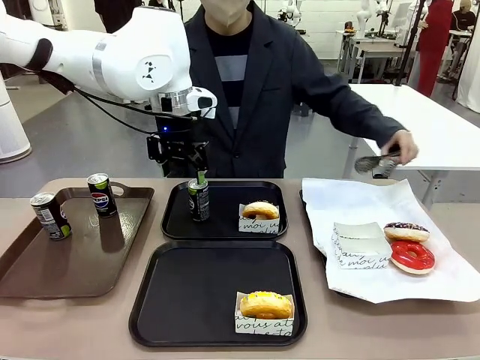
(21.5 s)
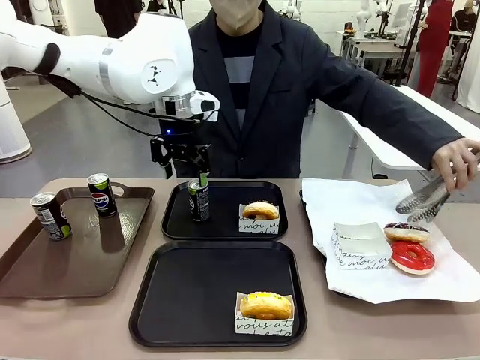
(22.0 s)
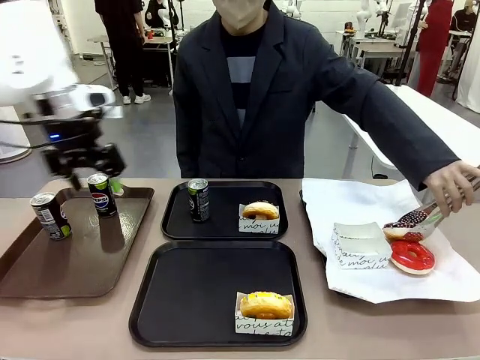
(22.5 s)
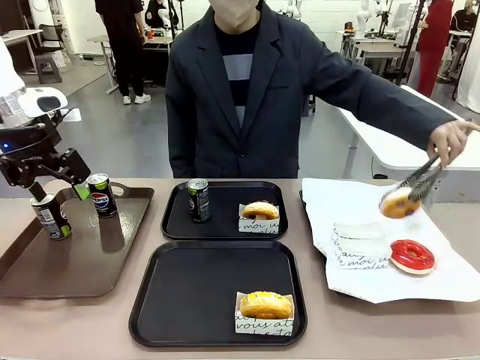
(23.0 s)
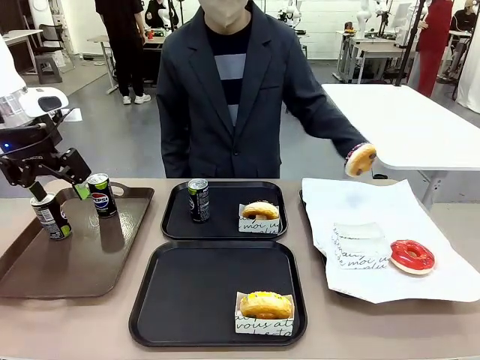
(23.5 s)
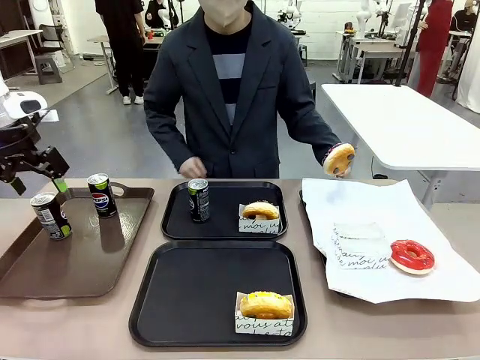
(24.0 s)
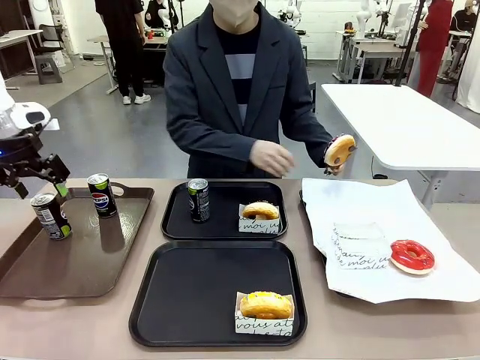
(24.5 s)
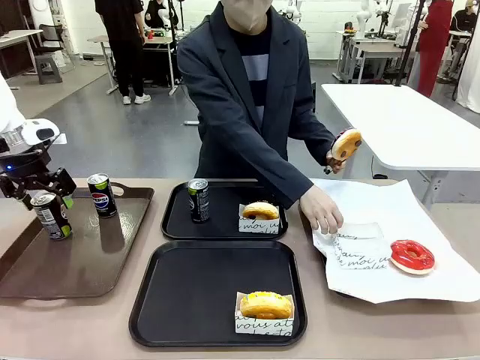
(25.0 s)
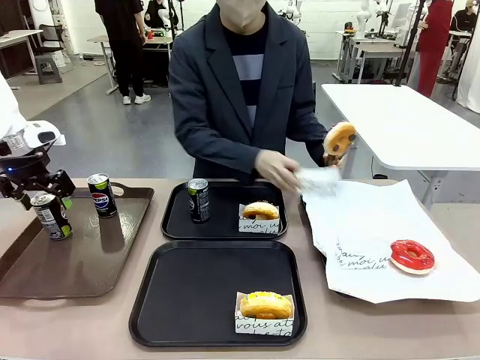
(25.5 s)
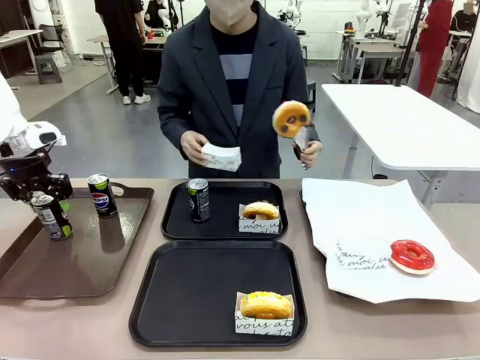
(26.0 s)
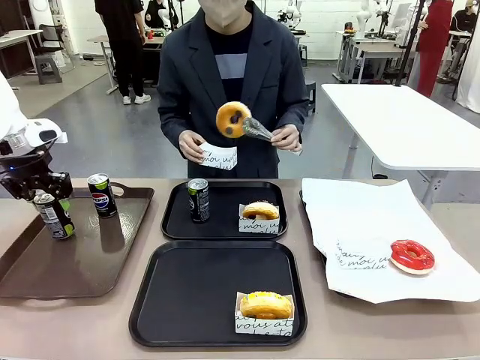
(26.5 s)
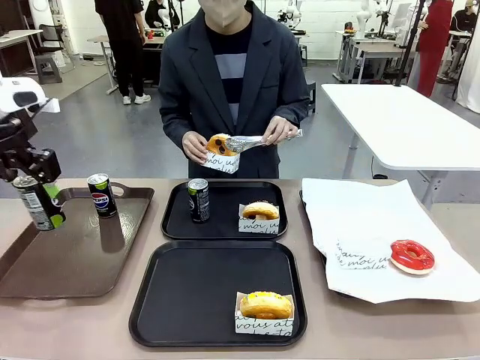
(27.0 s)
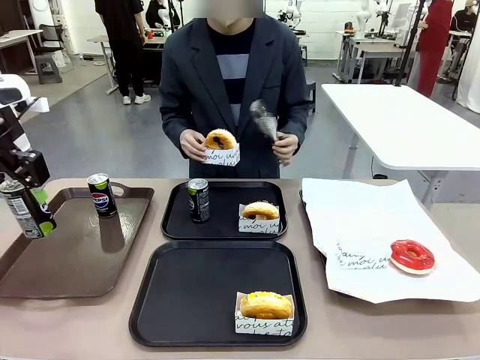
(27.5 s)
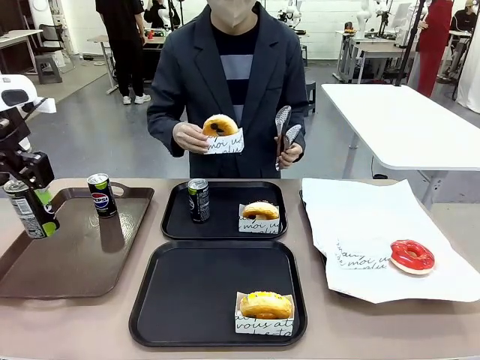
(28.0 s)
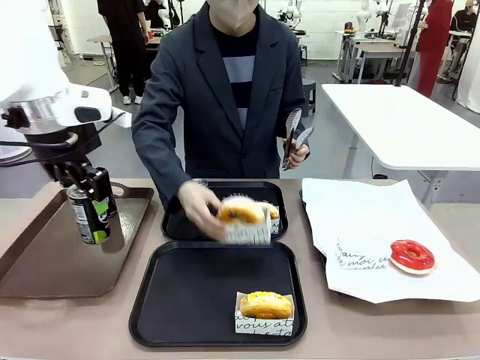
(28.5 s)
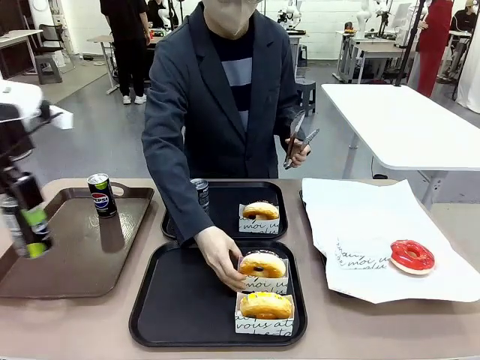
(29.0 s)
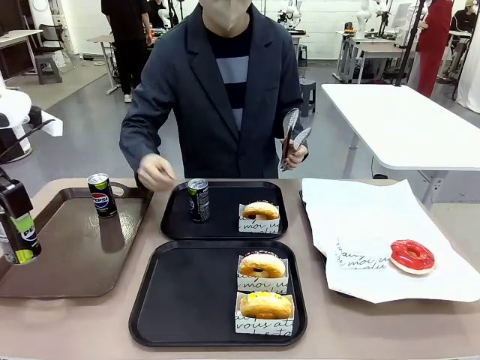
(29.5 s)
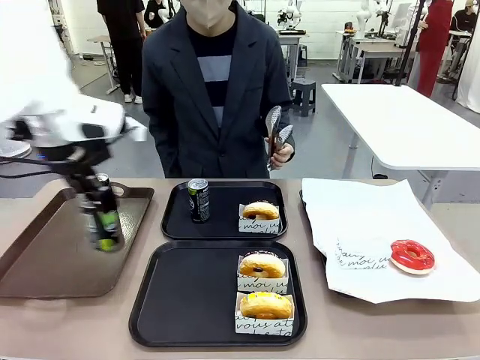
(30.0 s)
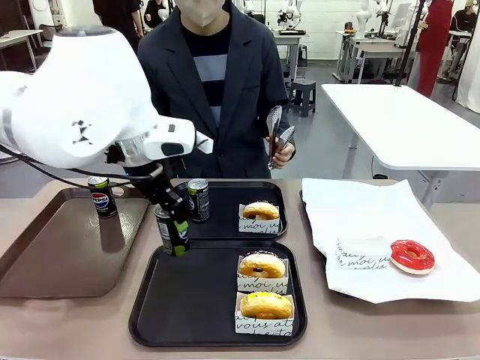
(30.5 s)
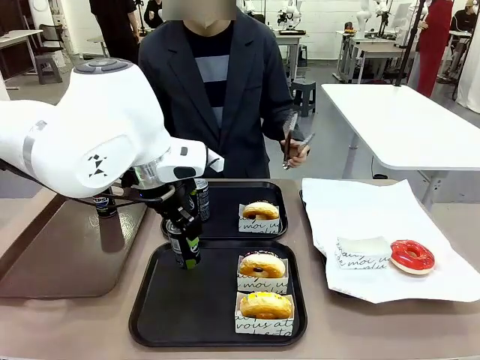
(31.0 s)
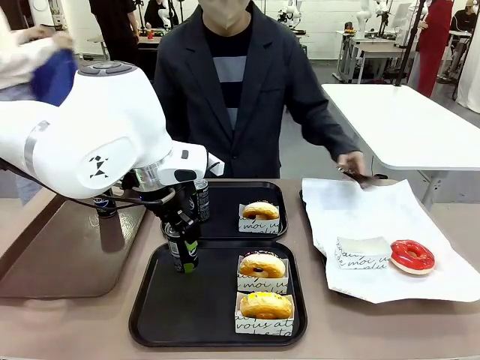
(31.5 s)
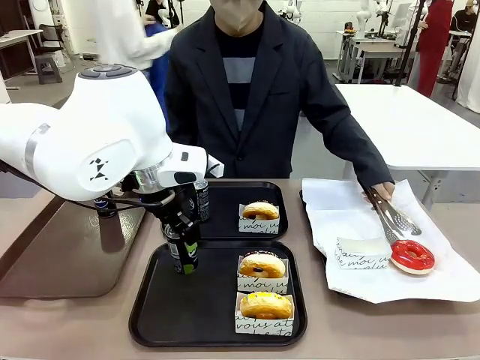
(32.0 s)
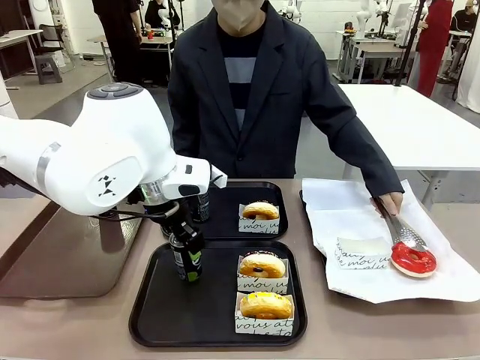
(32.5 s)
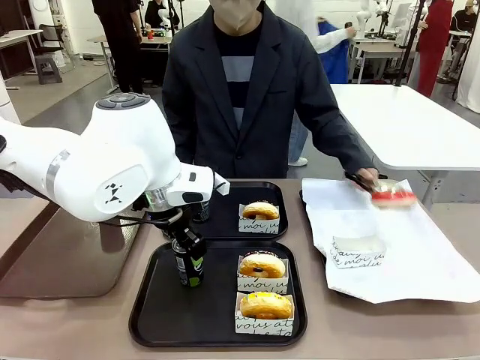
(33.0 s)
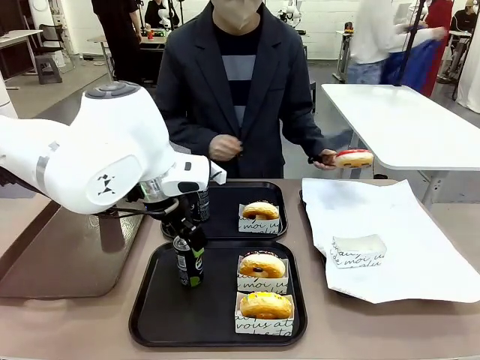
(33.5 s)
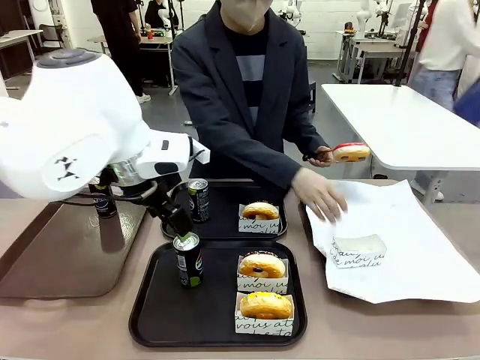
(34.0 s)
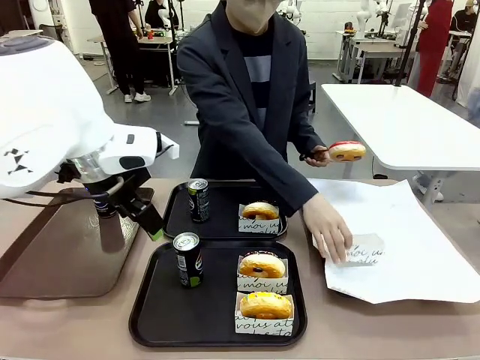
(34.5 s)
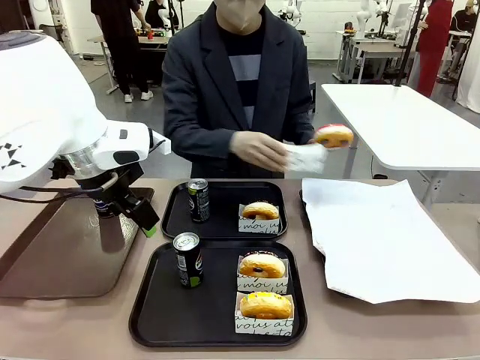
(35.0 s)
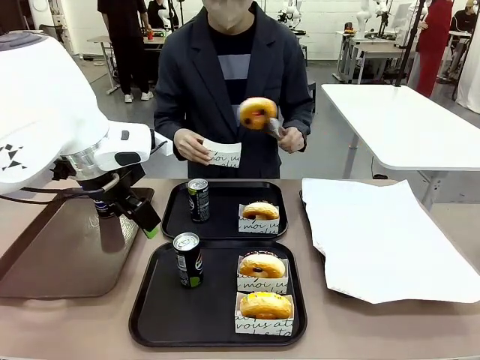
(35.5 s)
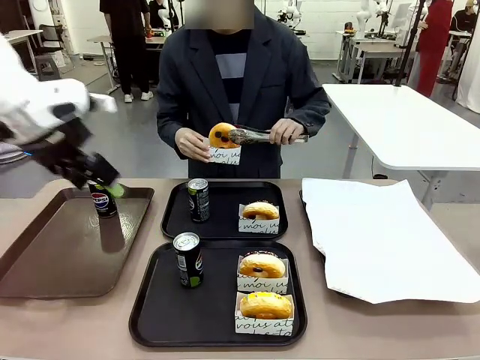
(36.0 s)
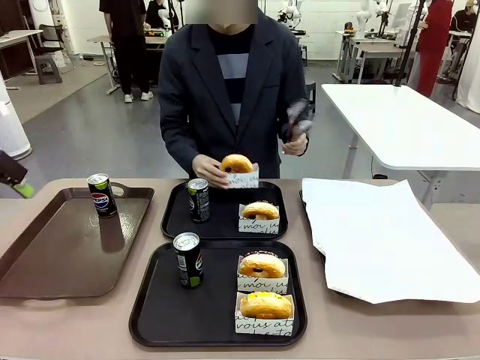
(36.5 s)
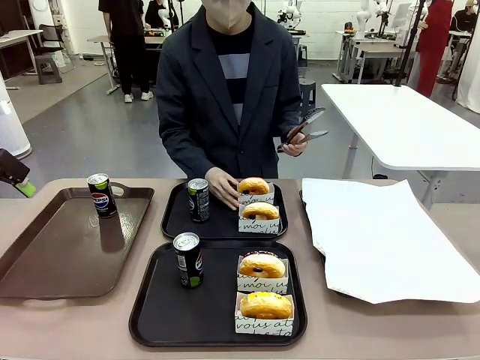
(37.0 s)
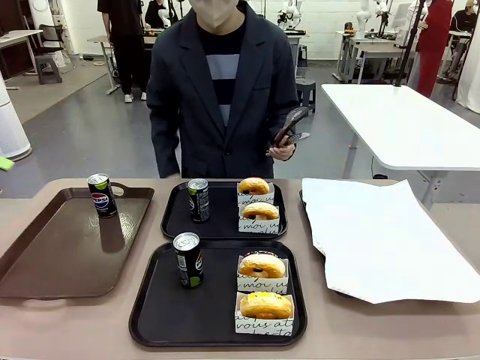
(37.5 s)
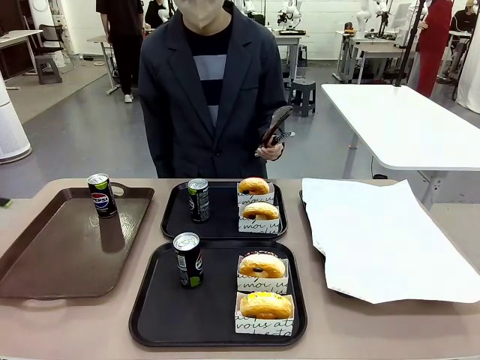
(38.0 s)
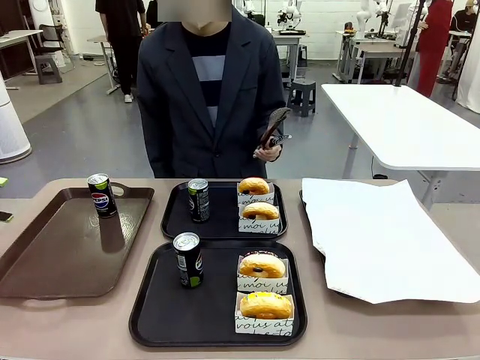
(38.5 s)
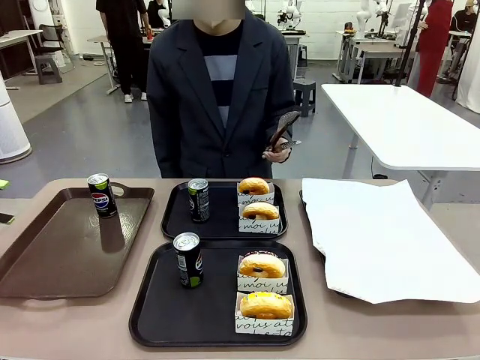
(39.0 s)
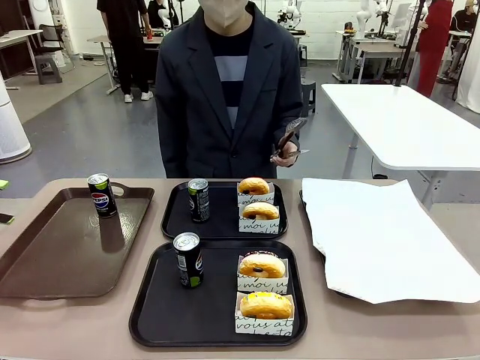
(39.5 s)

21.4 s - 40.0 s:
Task: Set up donuts and drinks on trays.
Robot: Pick up one Pepsi coke from the Handle tray and place it on the Flat Tray without a Pepsi coke.

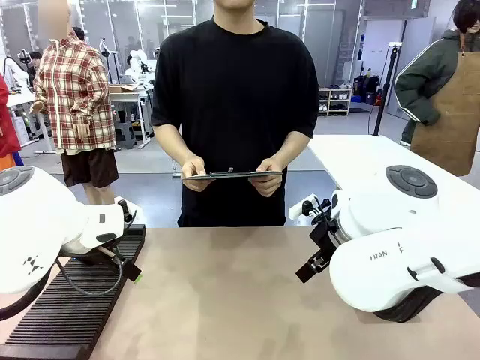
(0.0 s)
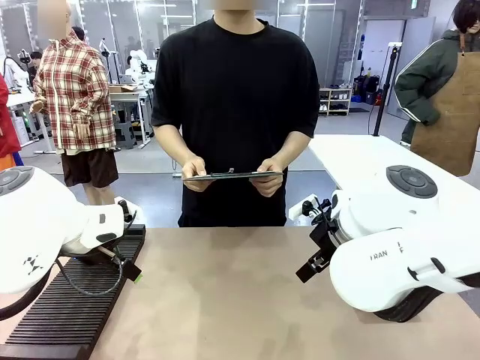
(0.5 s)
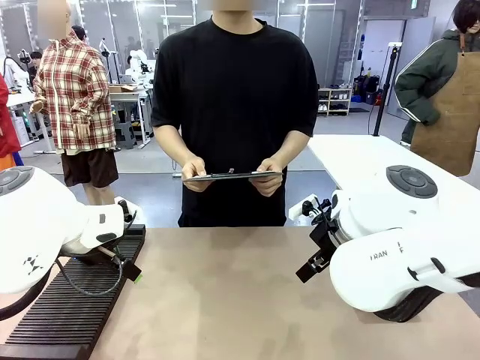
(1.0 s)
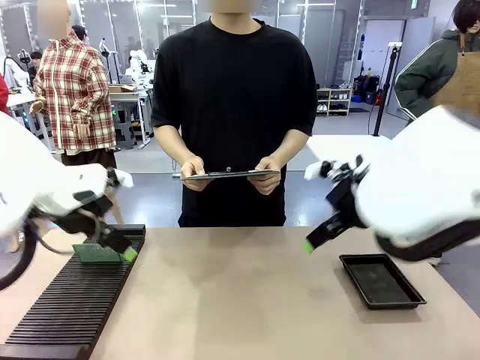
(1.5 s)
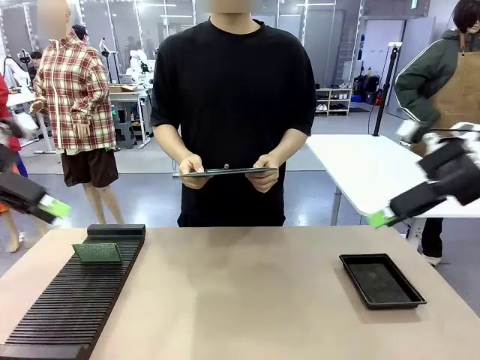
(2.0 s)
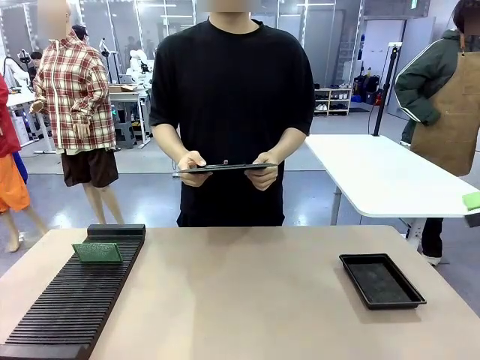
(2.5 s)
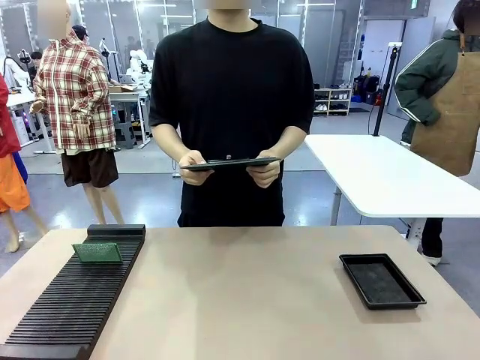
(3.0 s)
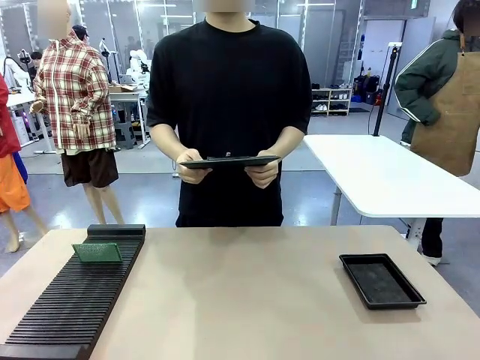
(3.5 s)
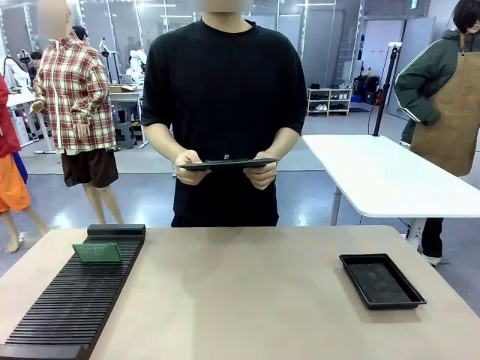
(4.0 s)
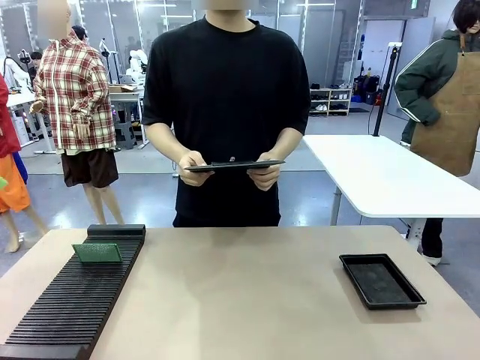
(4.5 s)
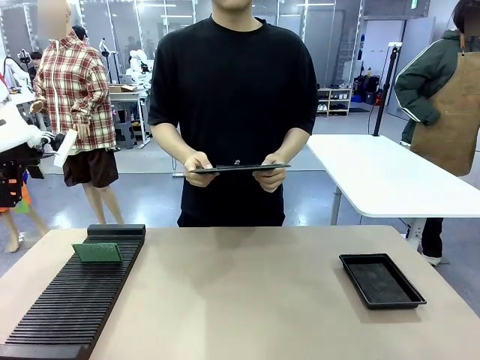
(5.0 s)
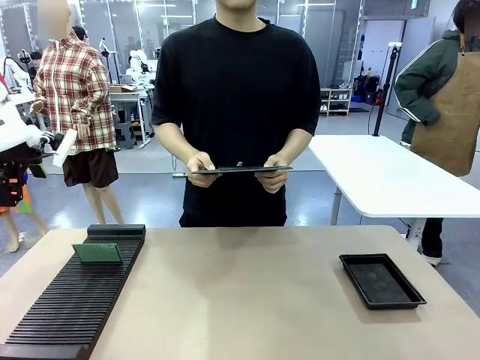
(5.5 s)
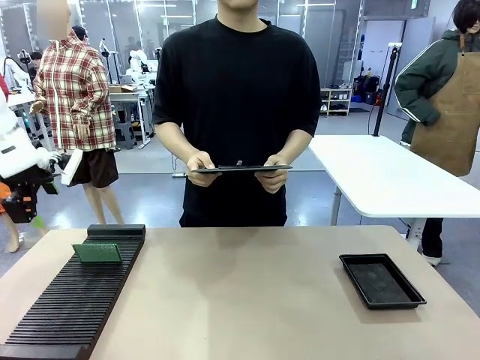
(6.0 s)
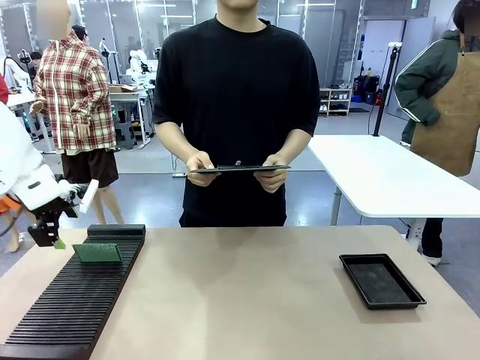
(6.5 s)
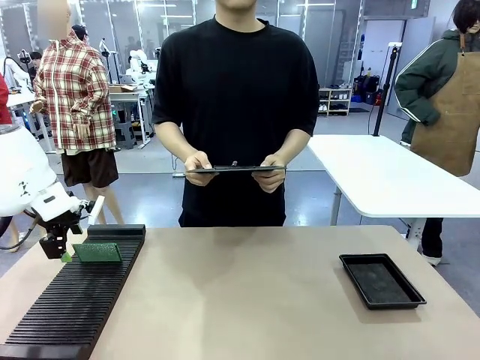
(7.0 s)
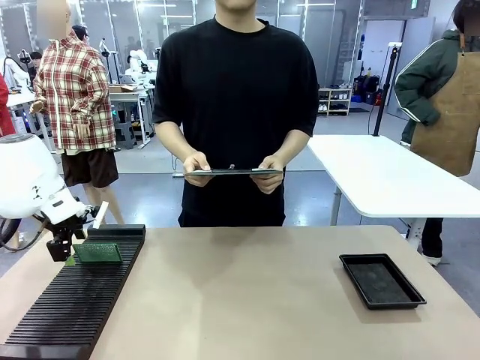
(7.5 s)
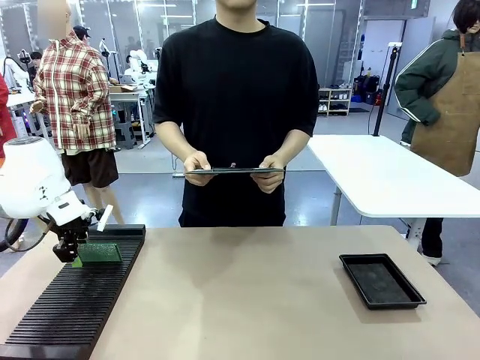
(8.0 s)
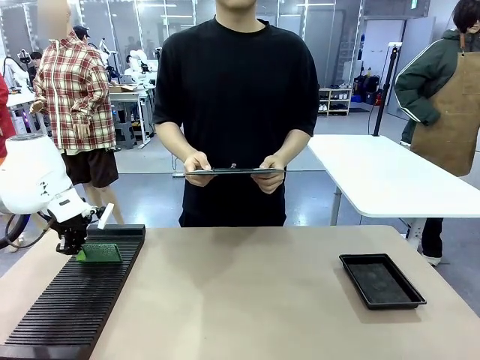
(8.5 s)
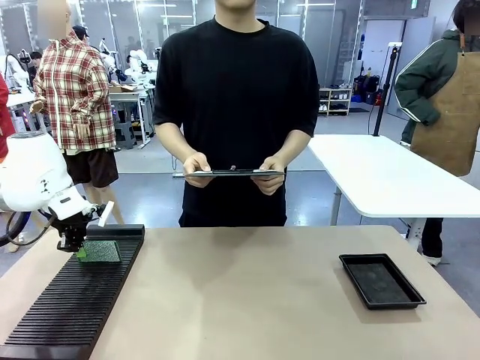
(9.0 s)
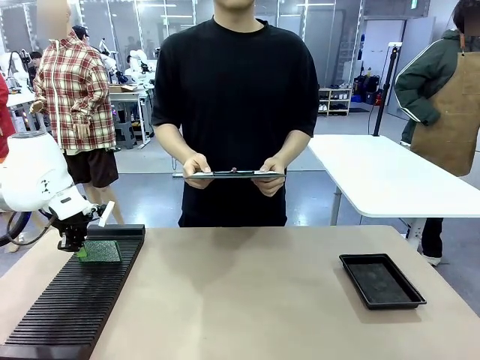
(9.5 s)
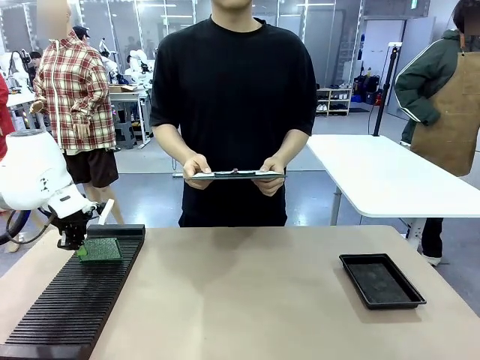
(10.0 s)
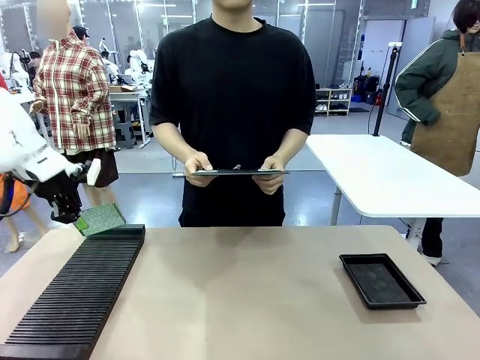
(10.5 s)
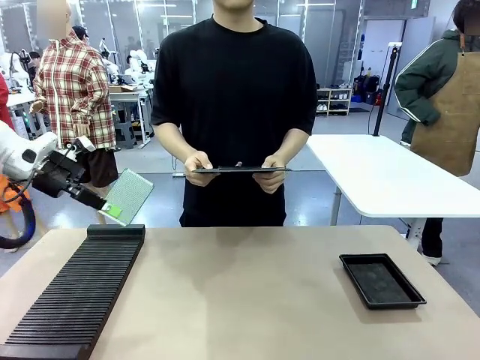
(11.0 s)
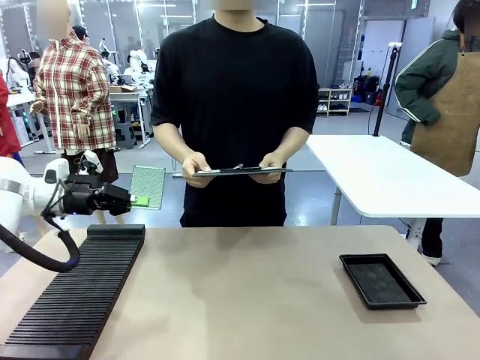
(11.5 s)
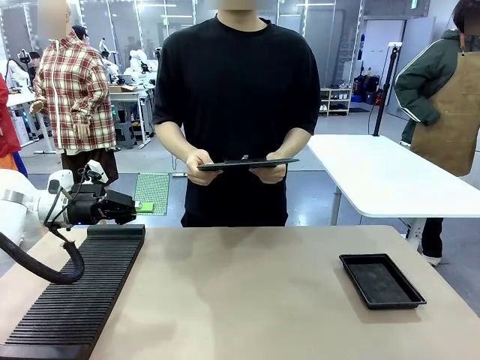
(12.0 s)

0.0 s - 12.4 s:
Task: Inspect the PCB.
Robot: Pick up the Blank PCB and present it to the human.
Person: Pick up the PCB presented by the robot.
